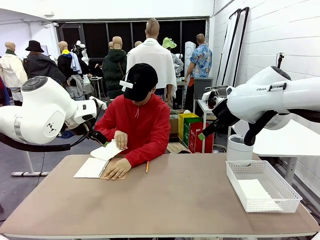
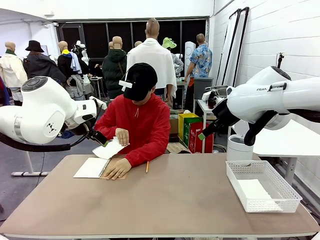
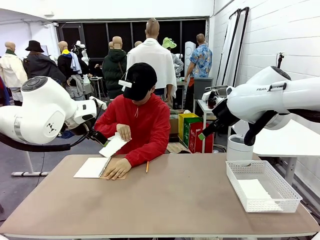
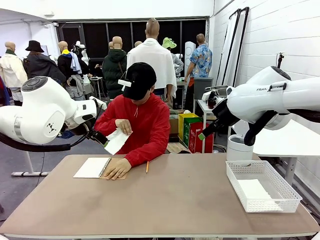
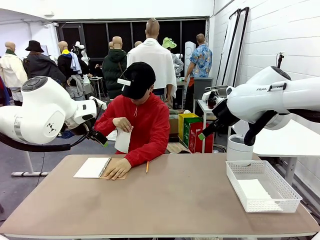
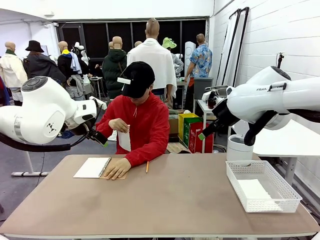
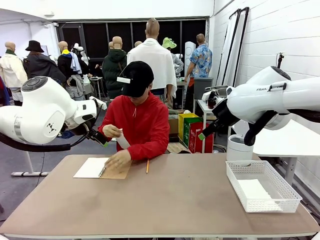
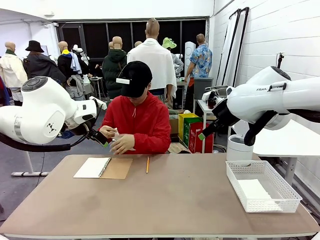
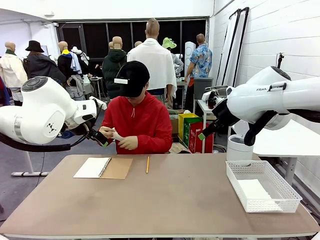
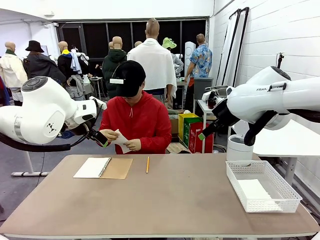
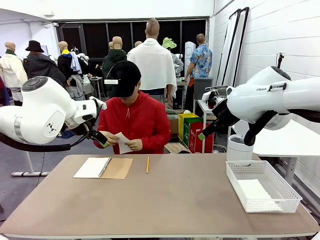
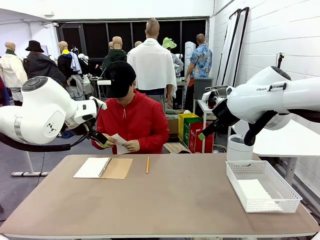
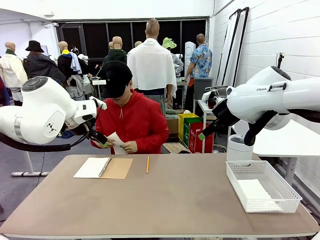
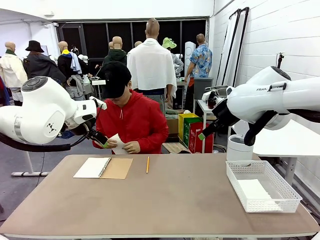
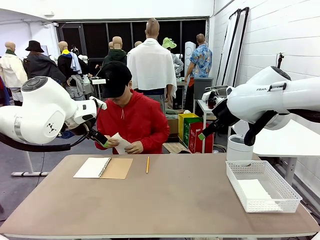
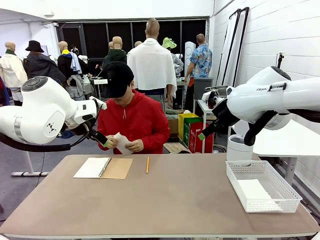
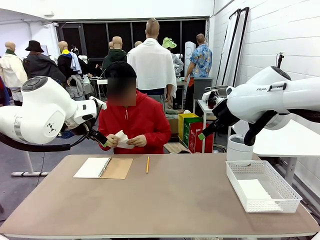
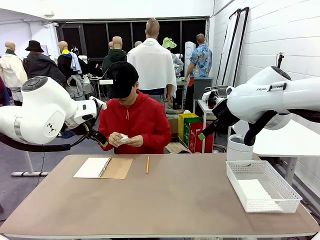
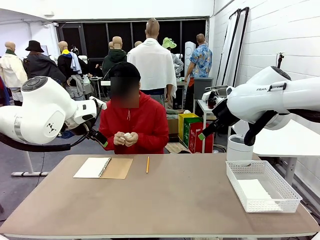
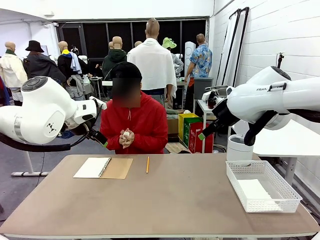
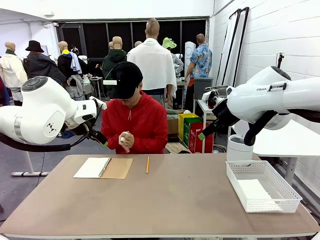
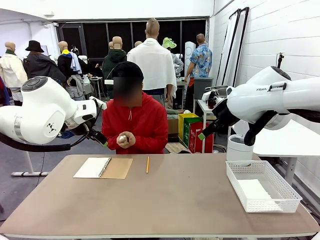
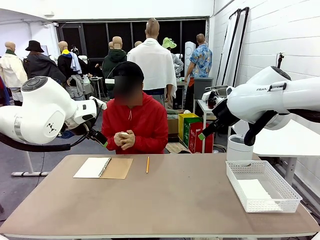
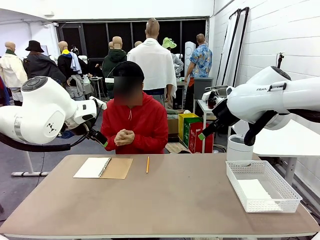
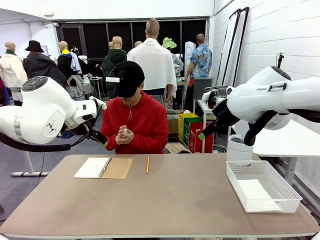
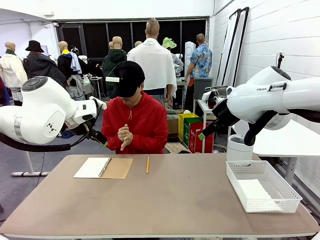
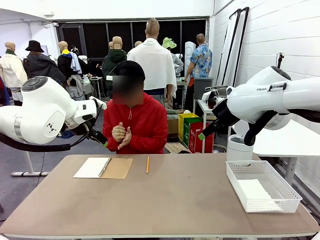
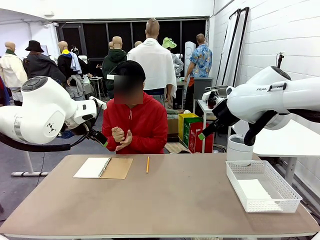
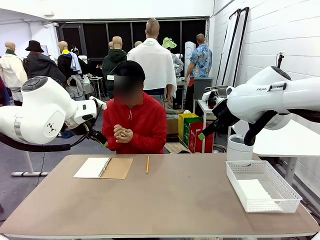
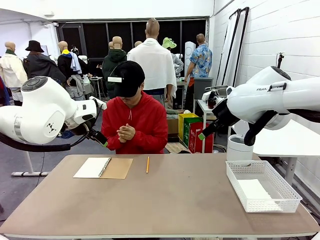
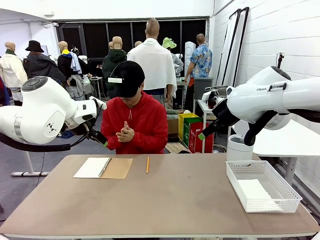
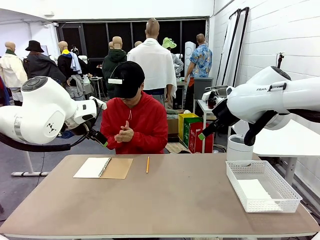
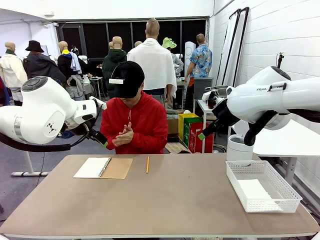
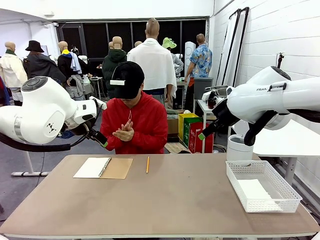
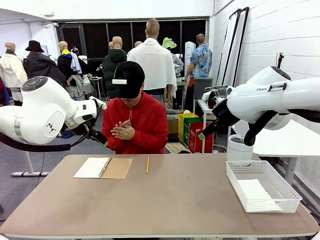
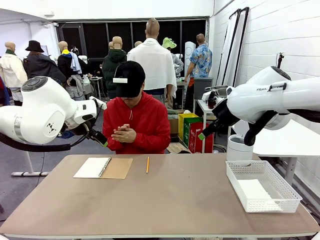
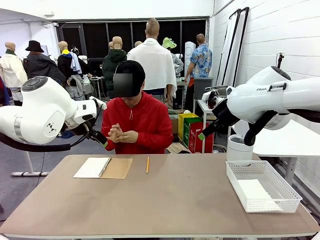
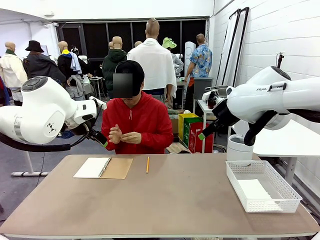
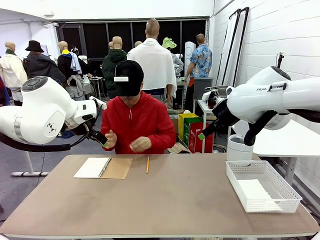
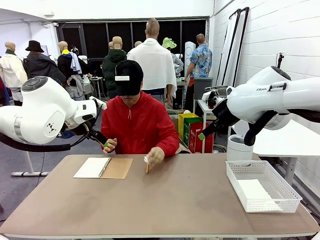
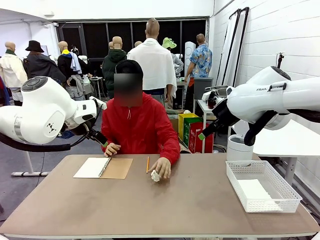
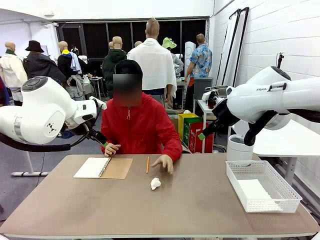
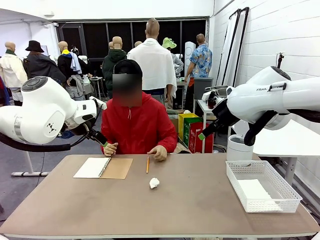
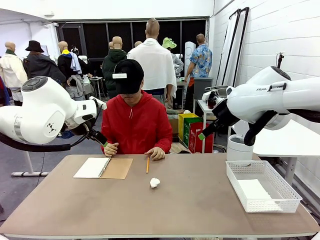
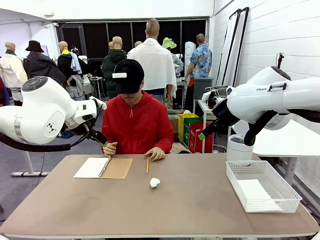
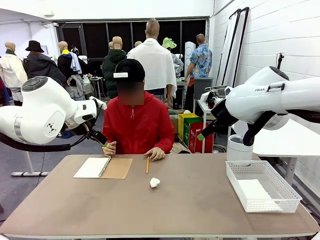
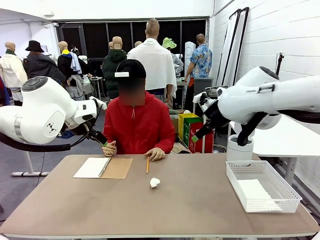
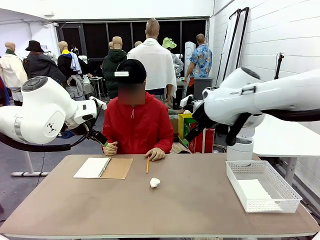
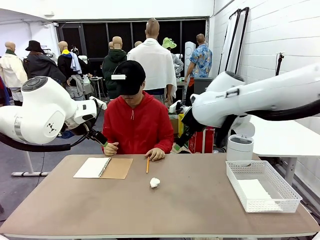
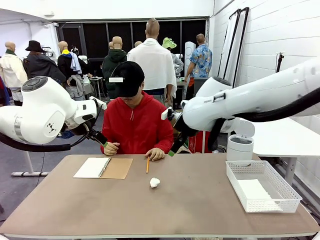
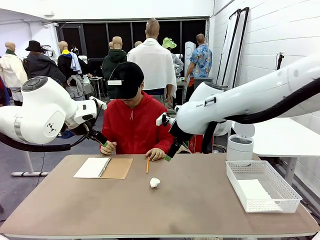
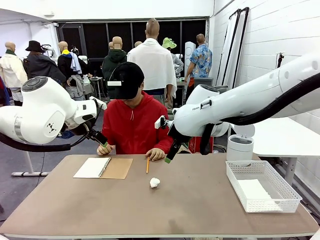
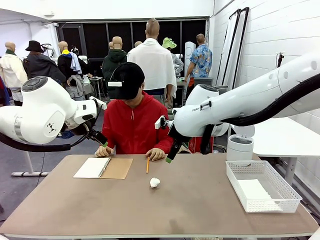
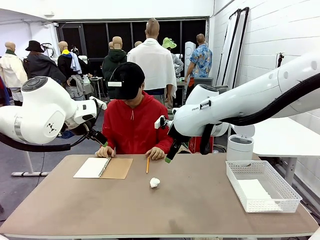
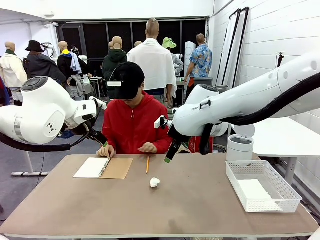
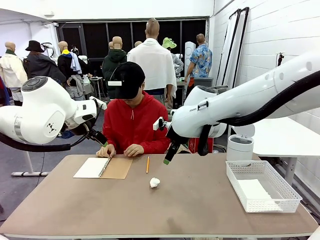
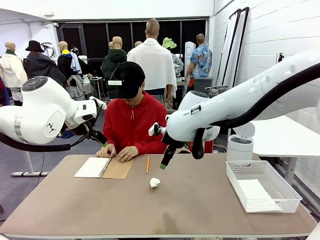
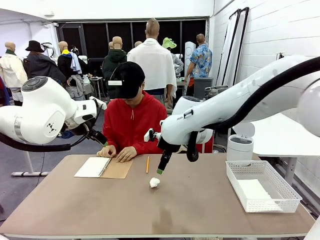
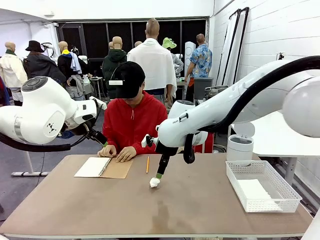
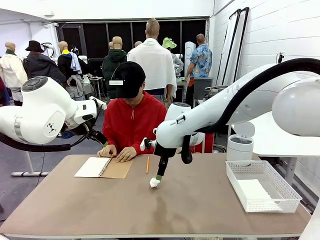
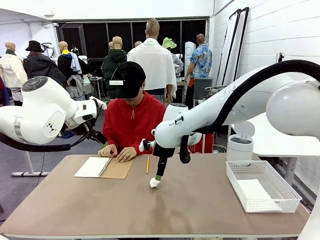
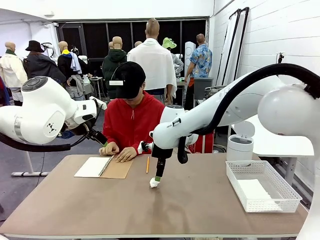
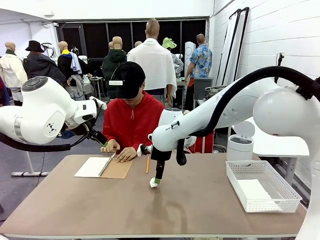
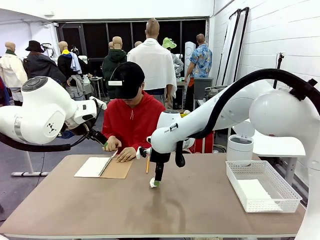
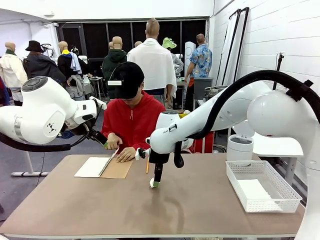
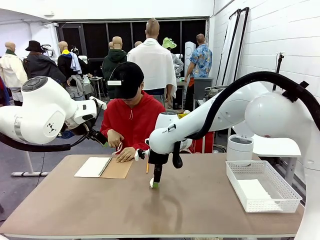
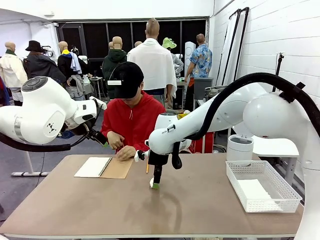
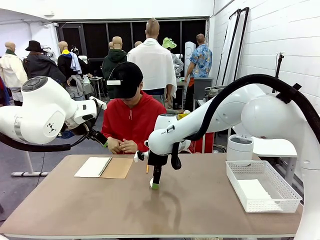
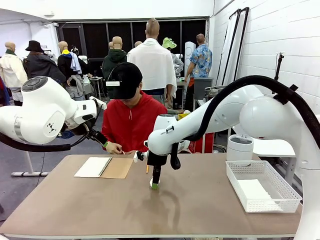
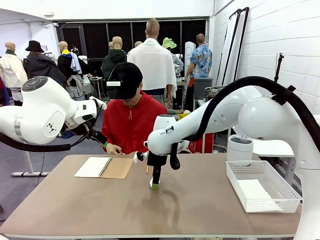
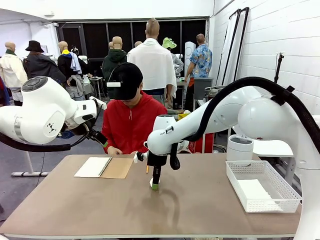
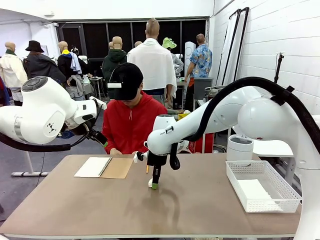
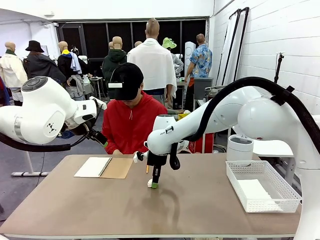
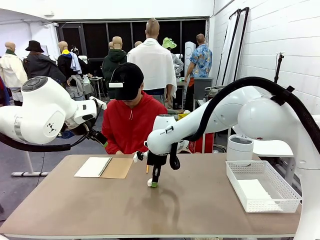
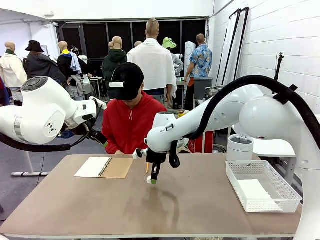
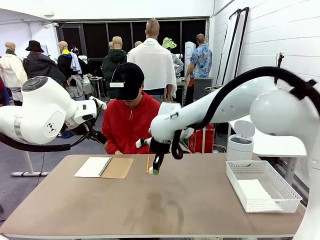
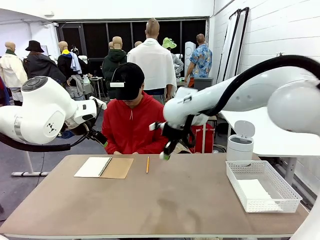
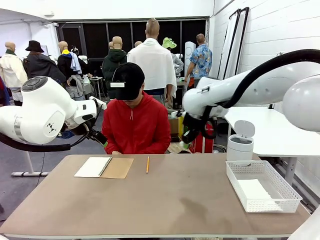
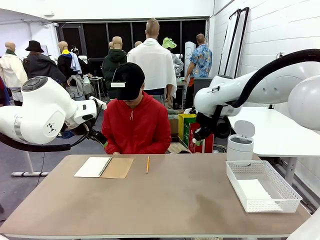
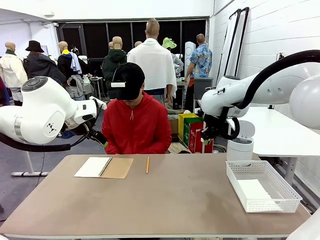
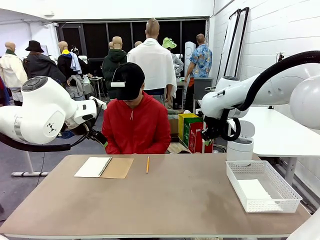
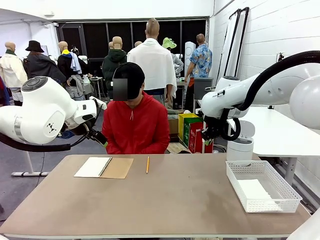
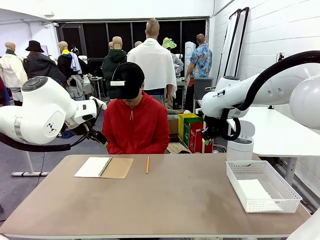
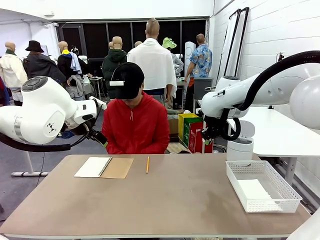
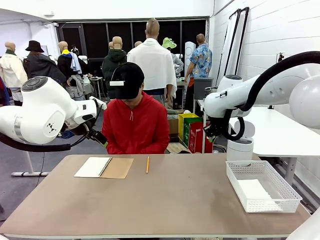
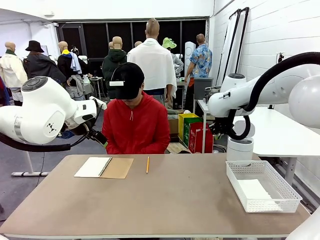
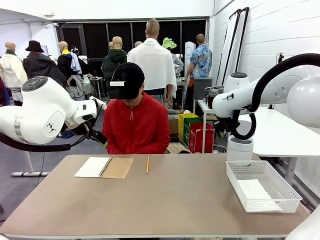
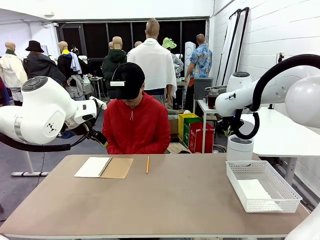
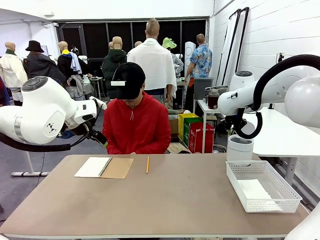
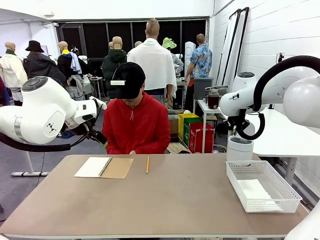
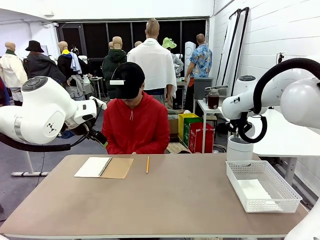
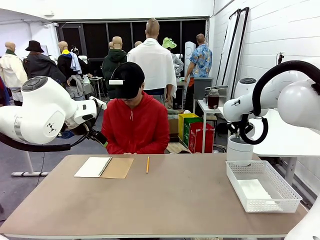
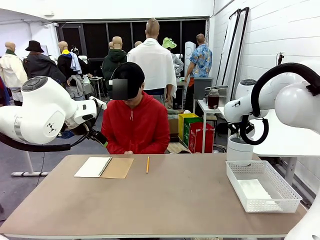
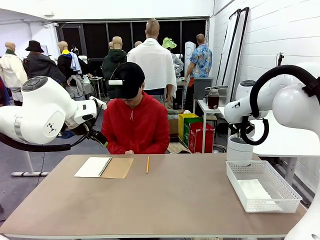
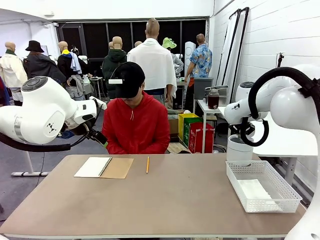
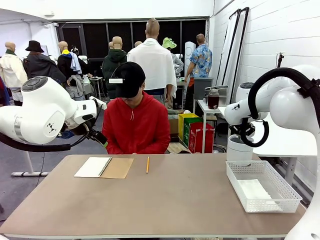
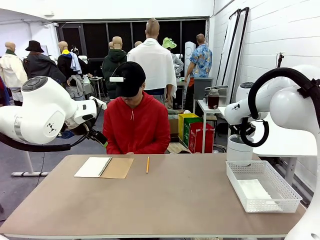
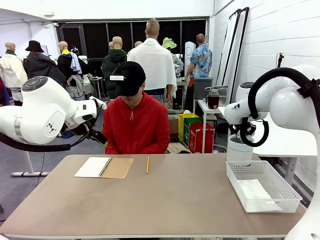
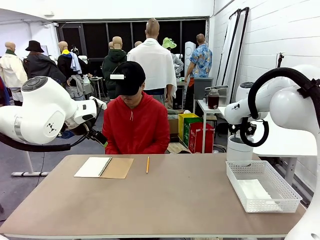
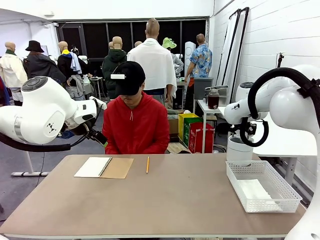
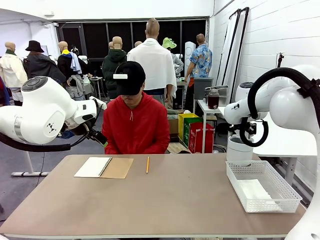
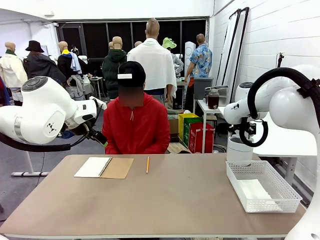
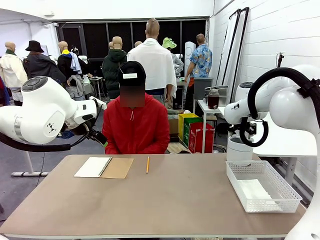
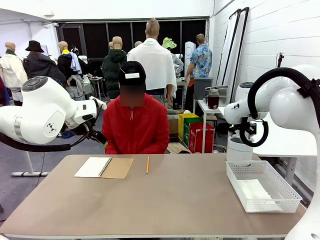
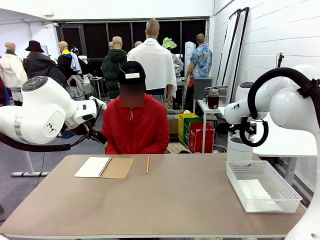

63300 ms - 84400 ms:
Task: Sort the paper based on its condition.
Robot: If a person hands you a paper, place it in the Organizing basket , and if it's crumpled, put it in the Trash can.
Person: Hand the torn page to the robot or crumple it and throw it to the center of the table.
